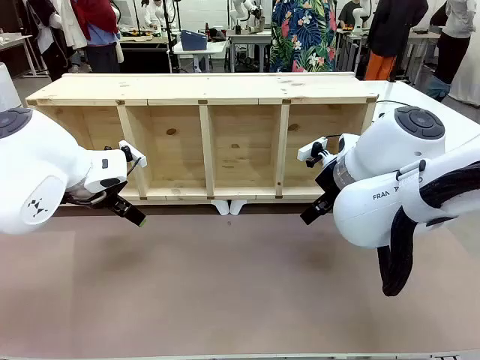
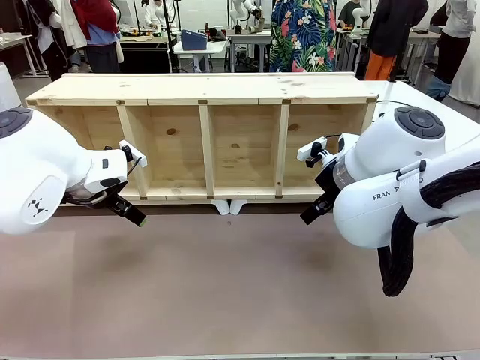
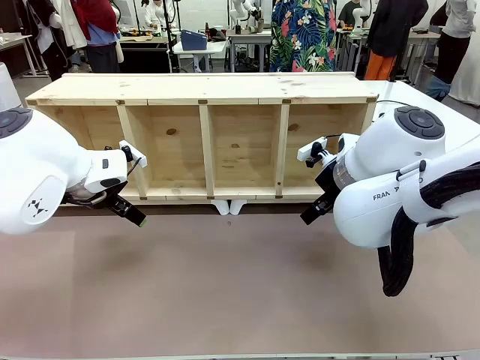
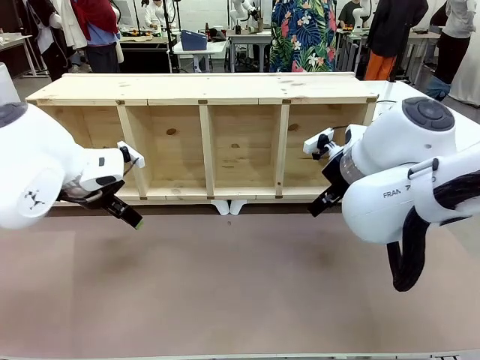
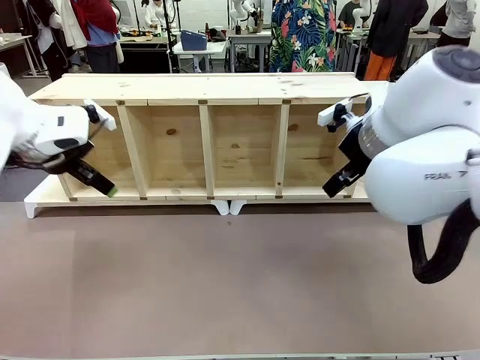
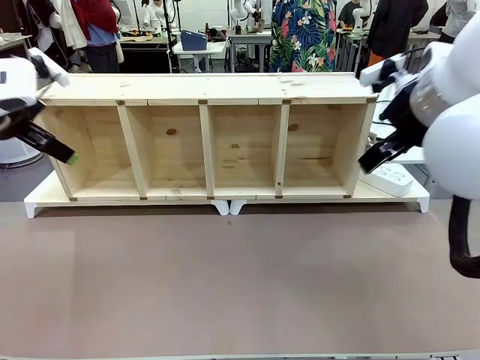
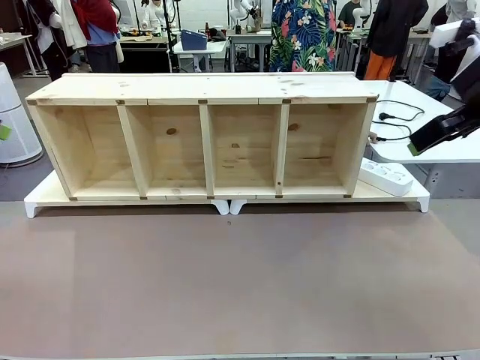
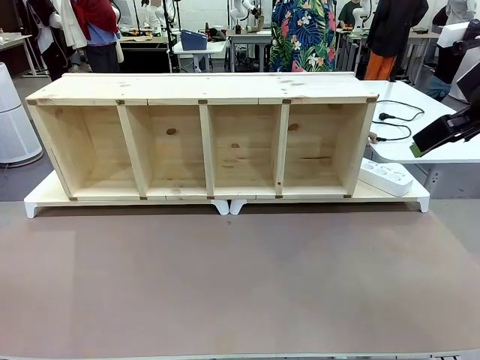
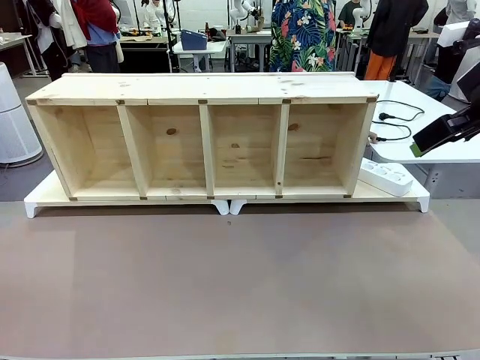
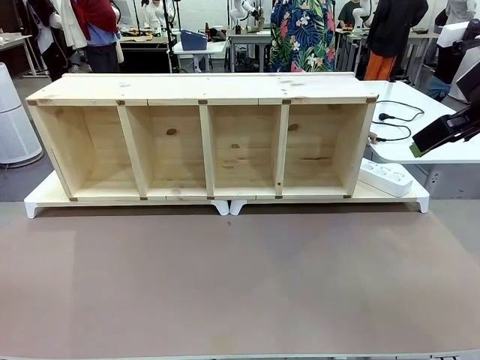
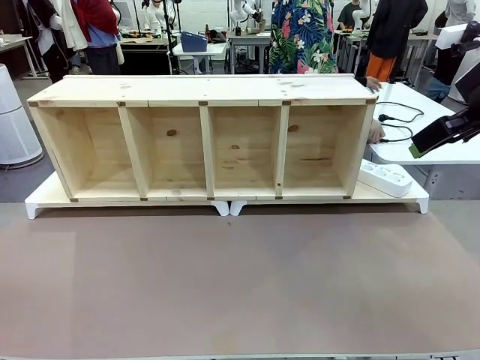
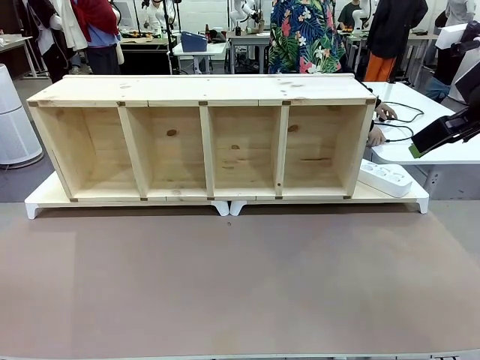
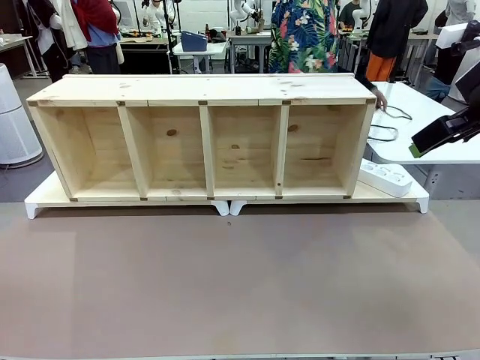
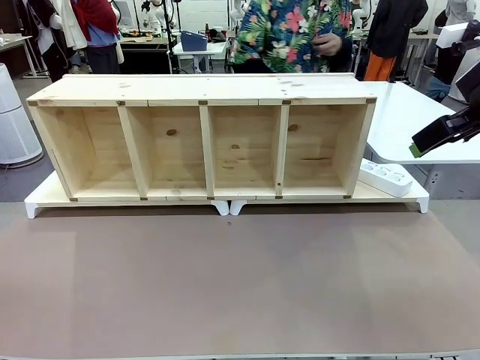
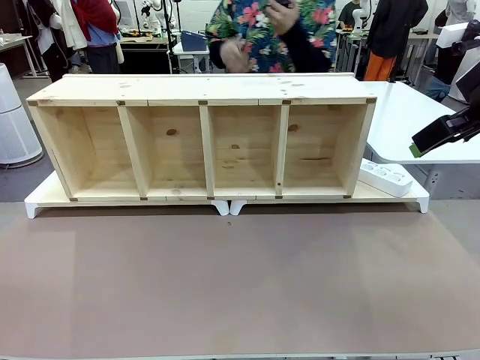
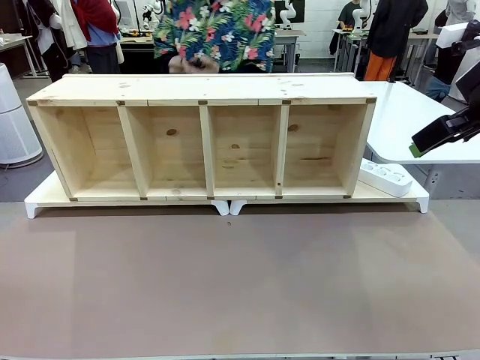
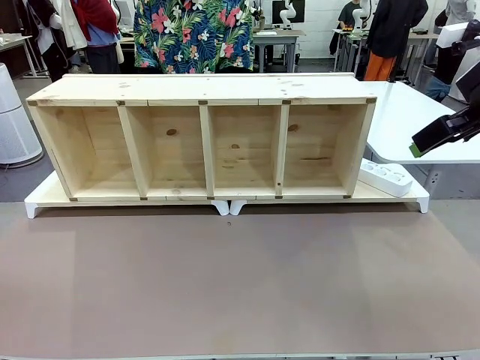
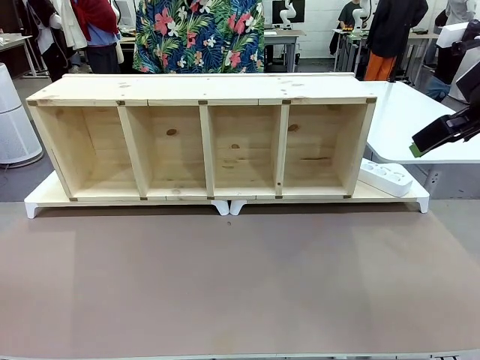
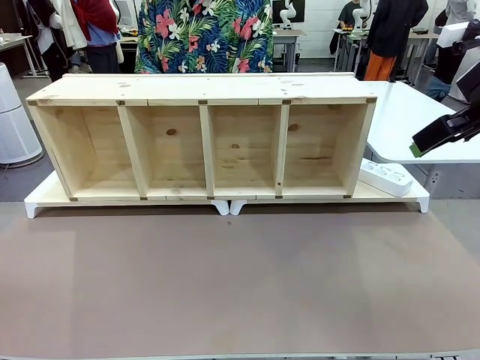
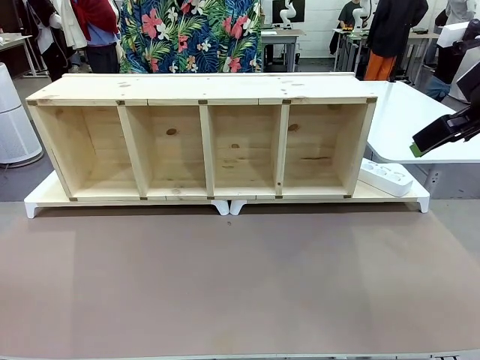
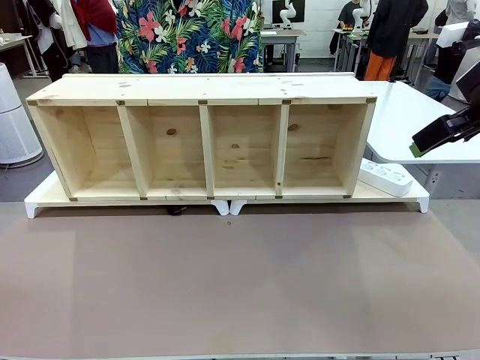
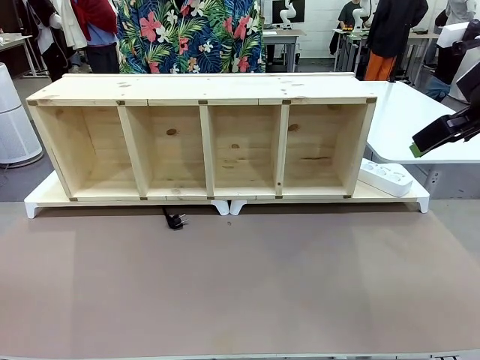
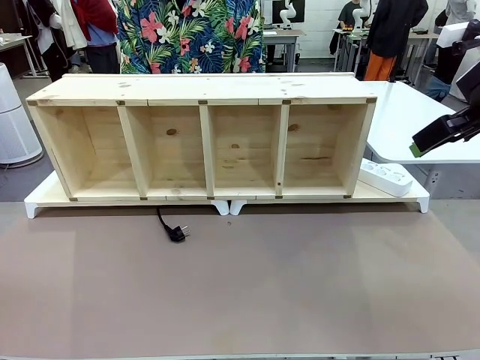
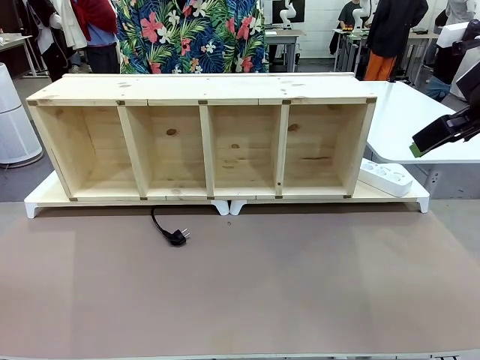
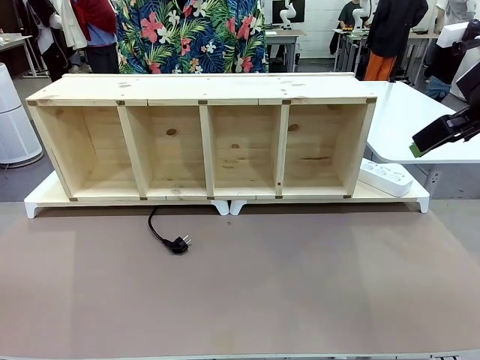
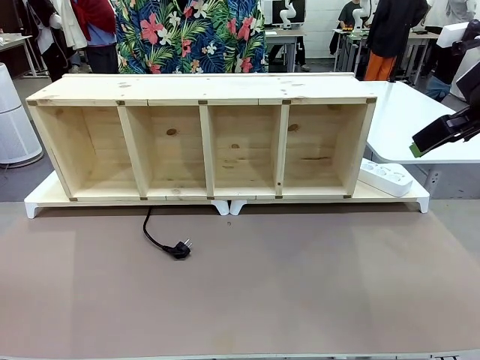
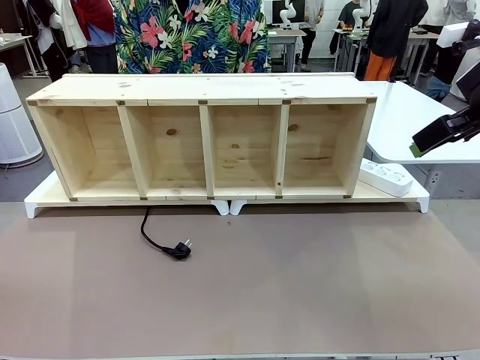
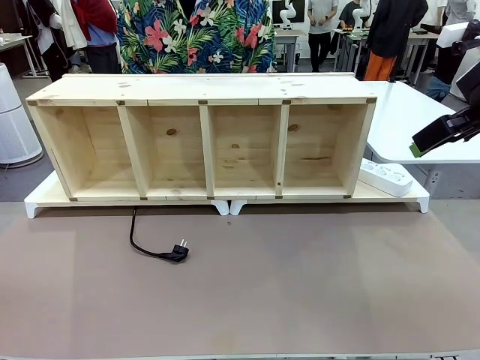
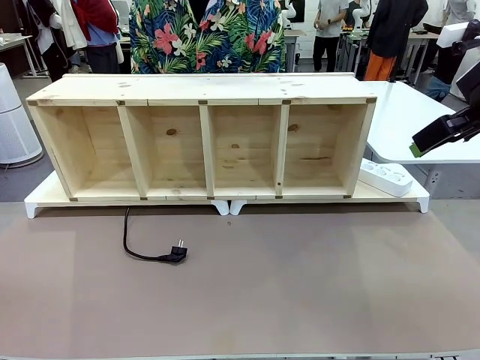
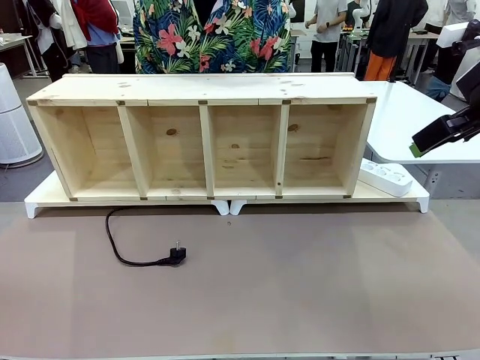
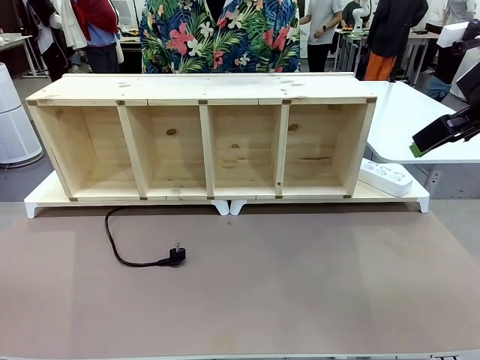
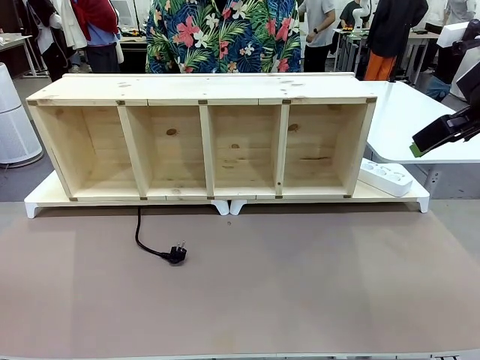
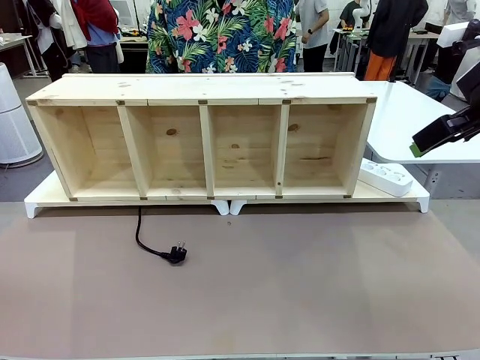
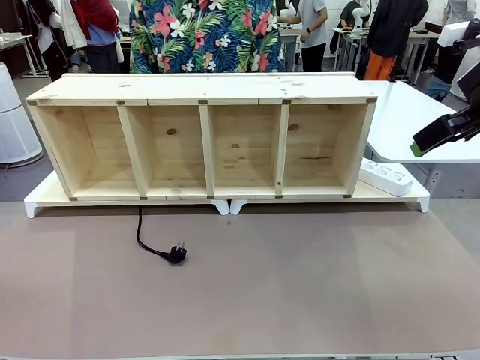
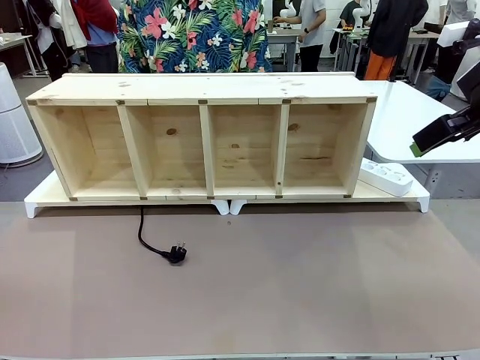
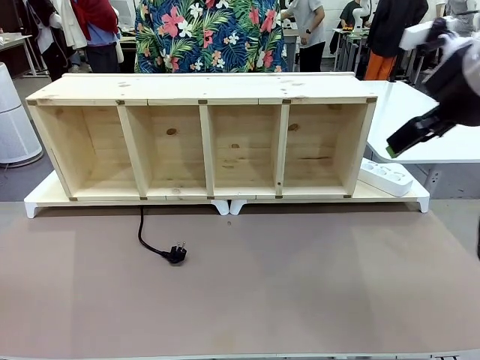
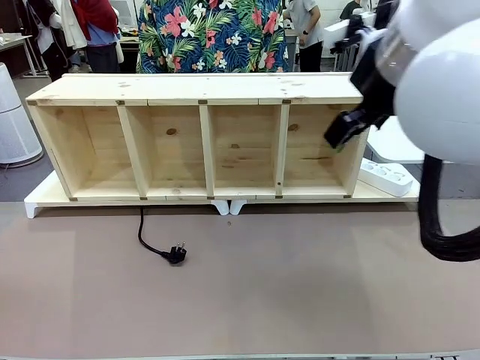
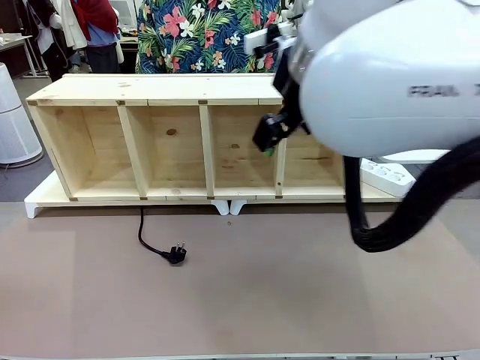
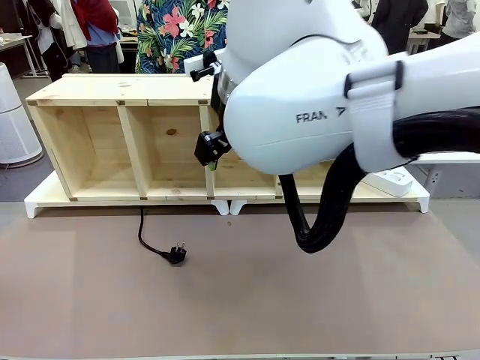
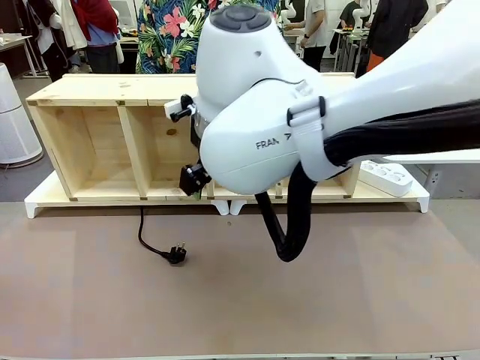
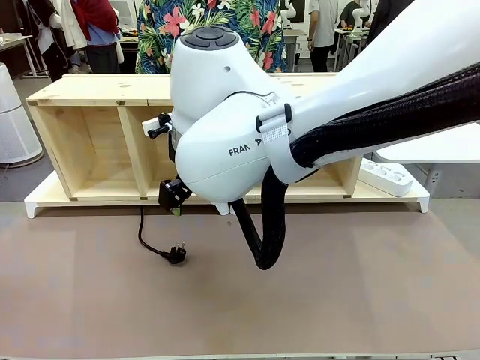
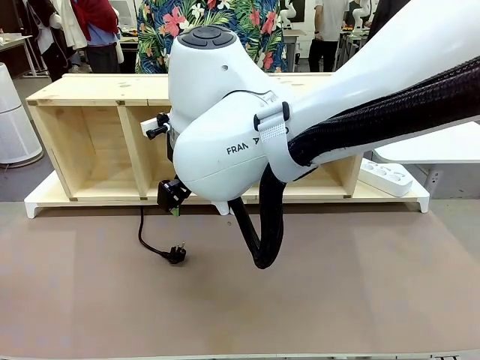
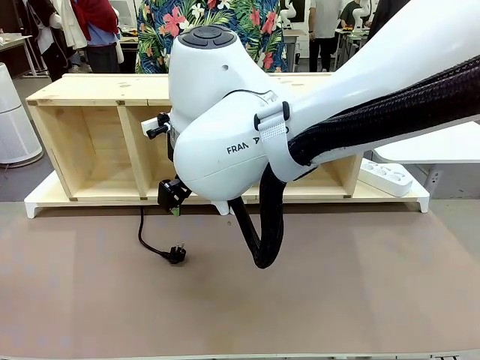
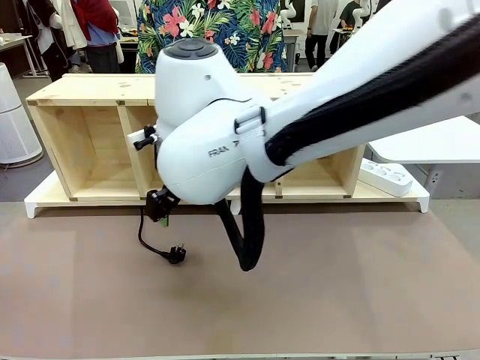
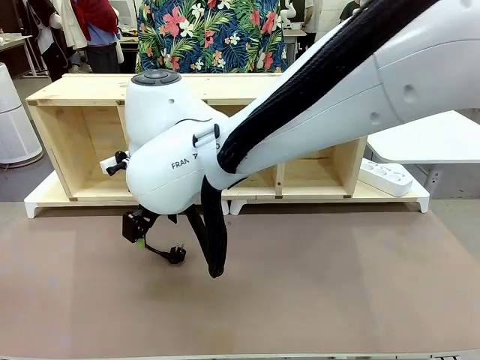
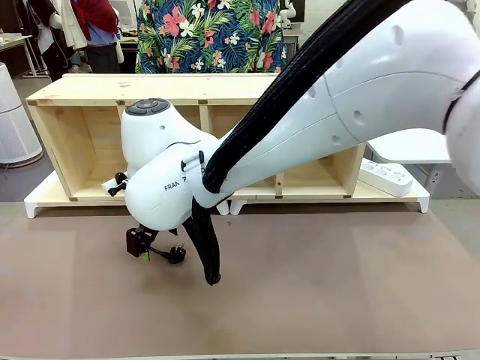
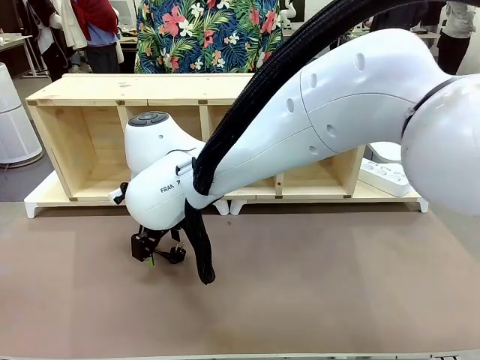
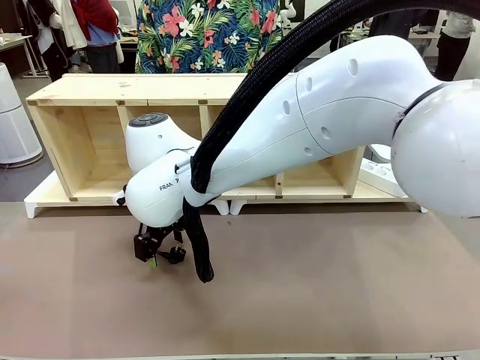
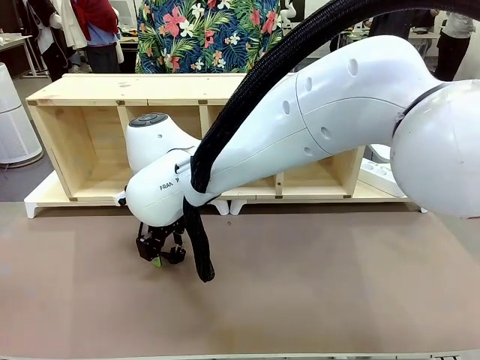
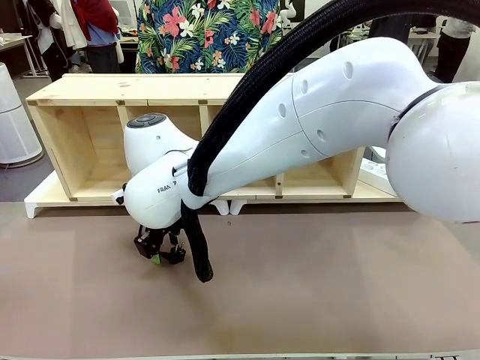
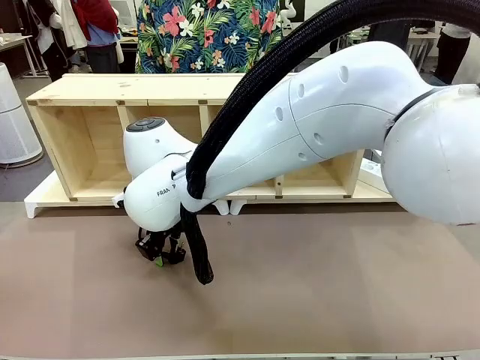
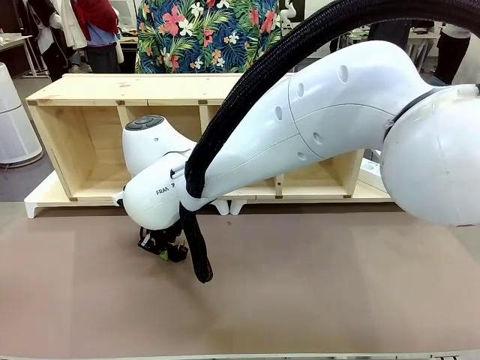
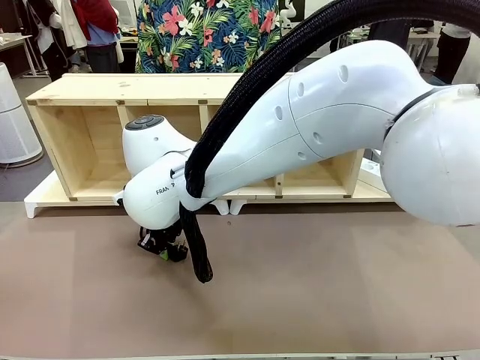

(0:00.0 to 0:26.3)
Task: Perform cable management.
Robot: When the cord part of the Power Cable appears at the lower middle area of the table and stops, grasp the cord part of the Power Cable.
Person: Pass the Power Cable under the Serving Table.
